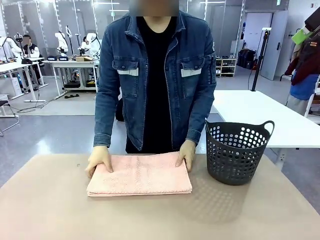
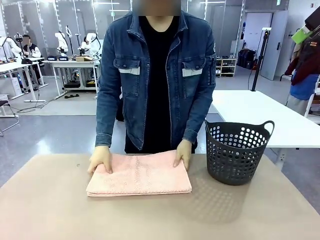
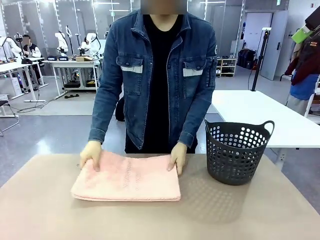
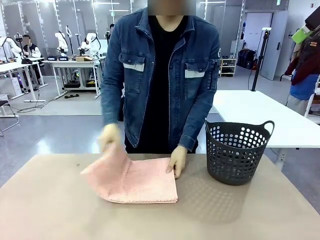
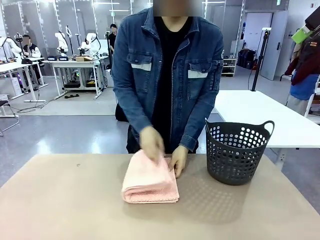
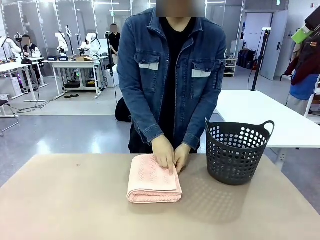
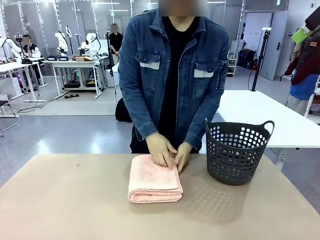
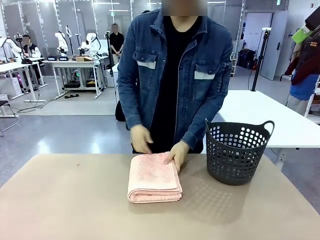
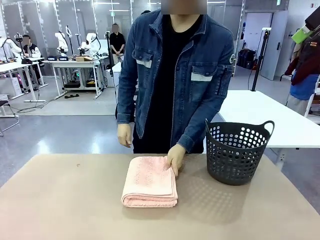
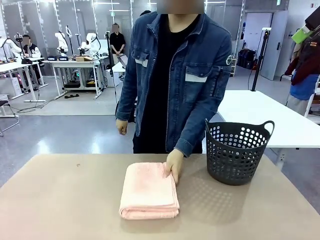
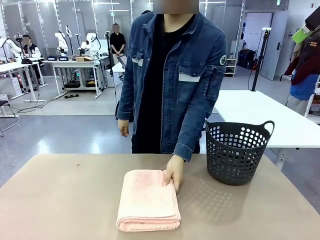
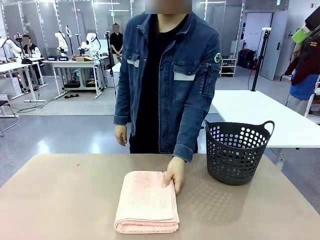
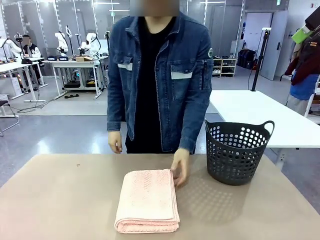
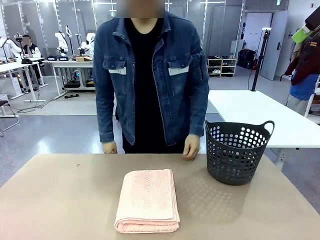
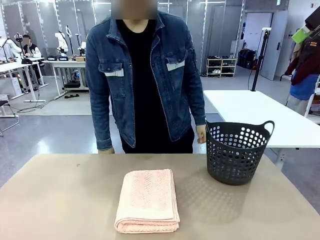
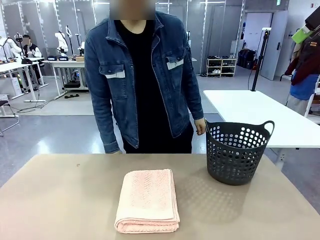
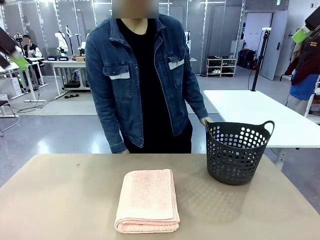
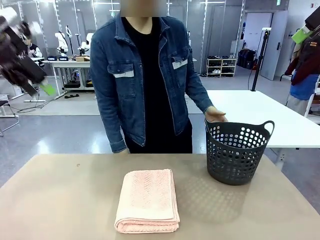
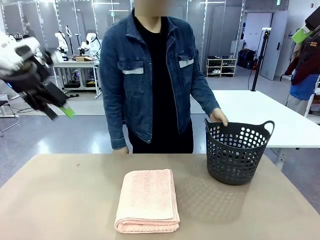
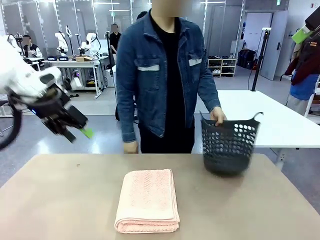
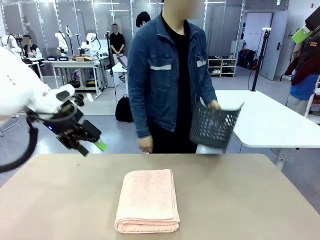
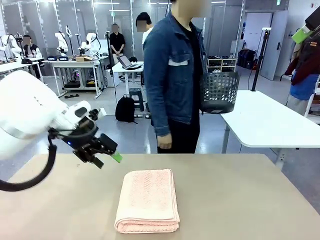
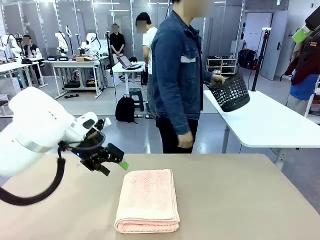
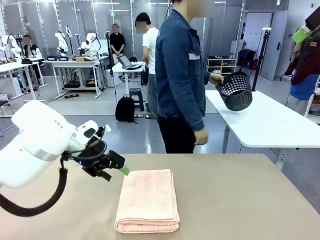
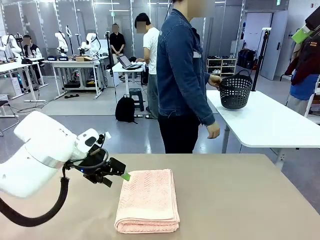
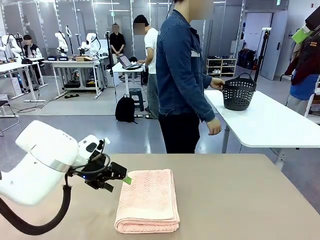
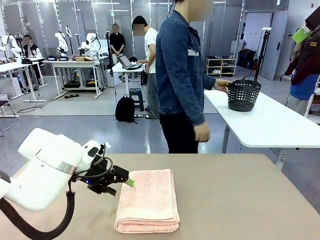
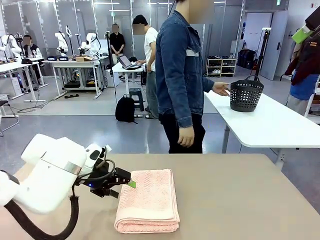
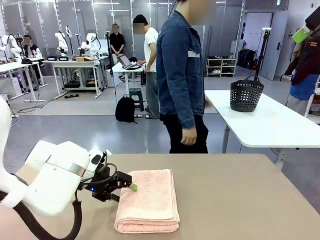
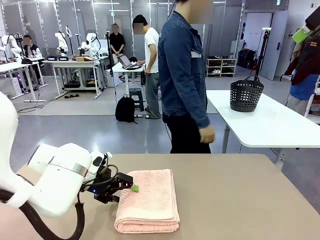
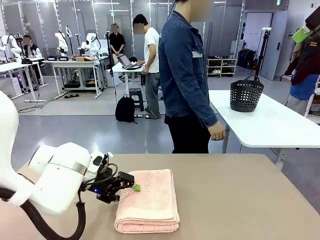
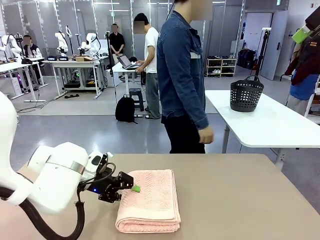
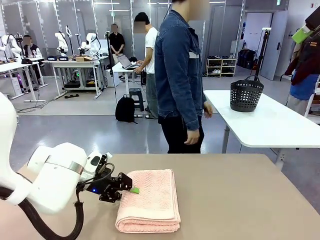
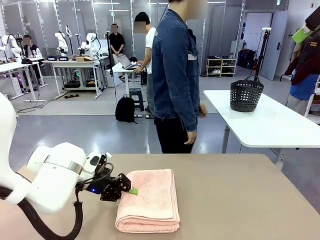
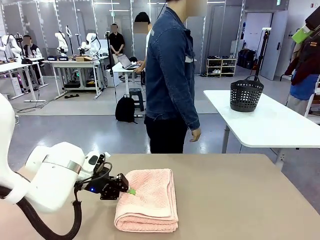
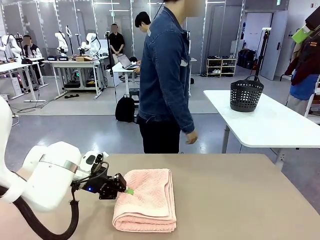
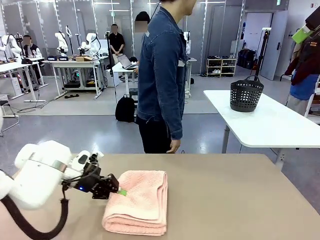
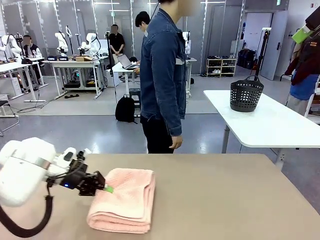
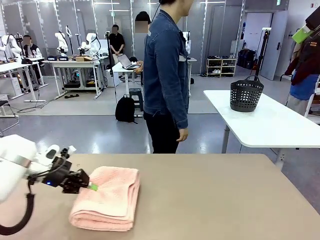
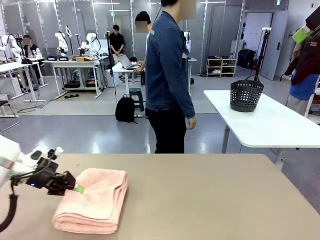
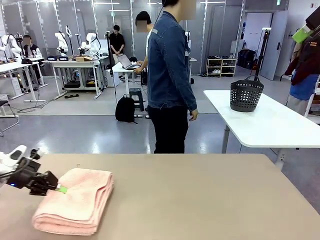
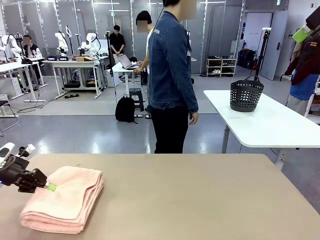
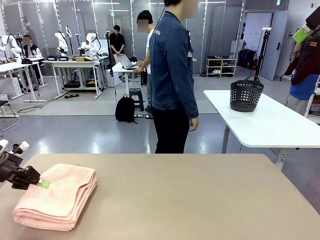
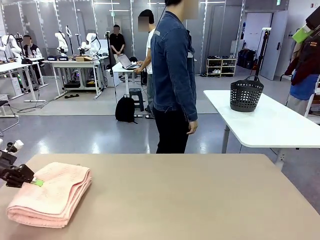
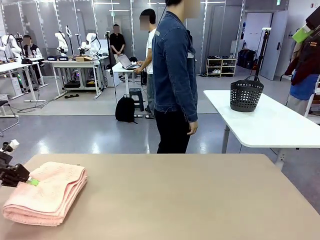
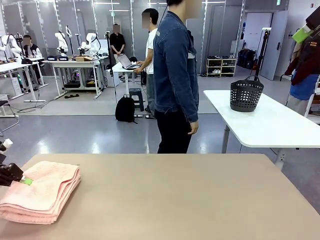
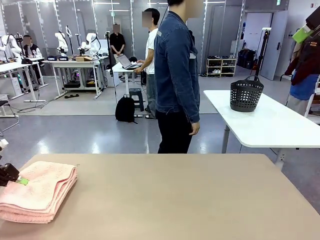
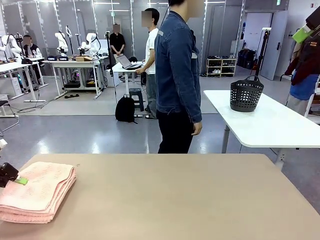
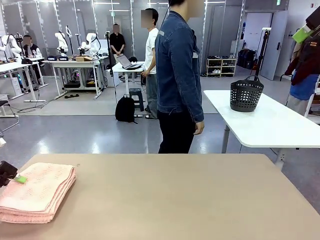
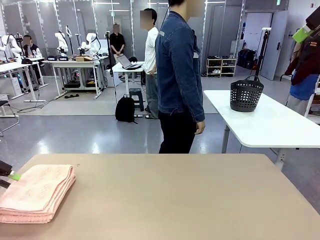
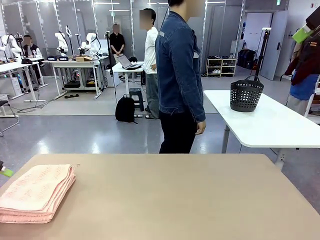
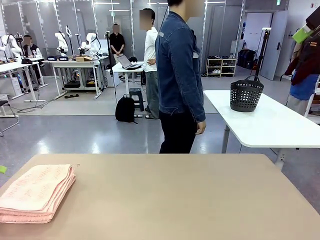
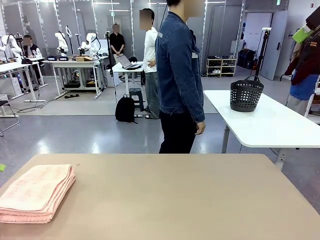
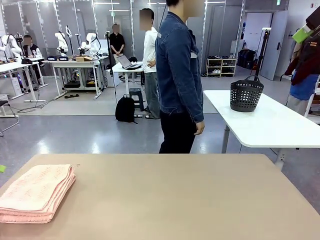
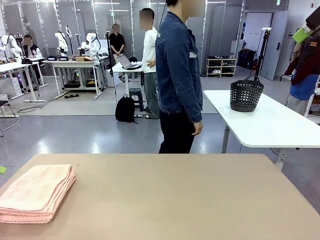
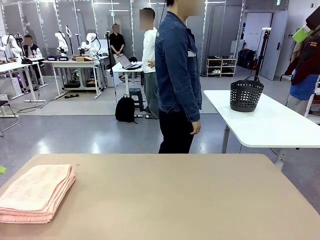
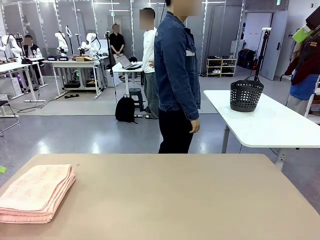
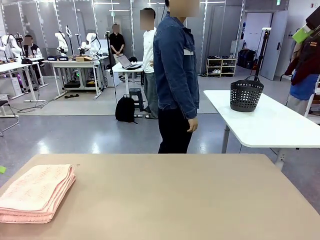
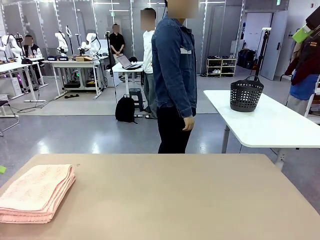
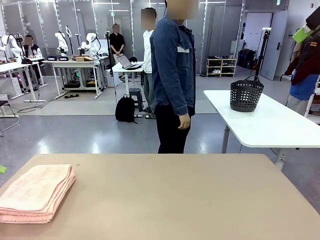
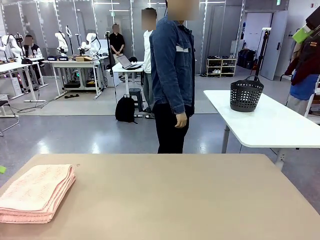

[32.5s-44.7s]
Task: Fold the towel.
Robot: Pick up the 100 cm Hotel Towel and place it on the left side of the table.
Person: Place the towel at the center of the robot table and fold it in half. Pick up the laundry basket and place it at the center of the human table.

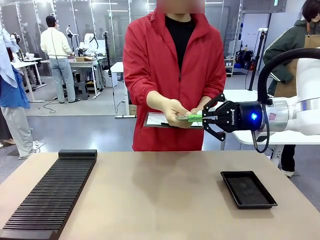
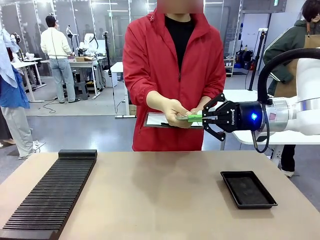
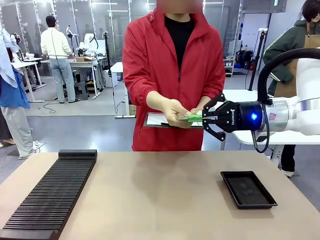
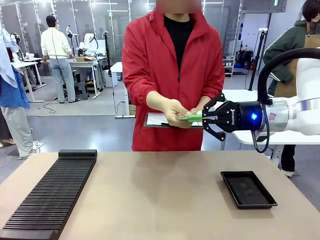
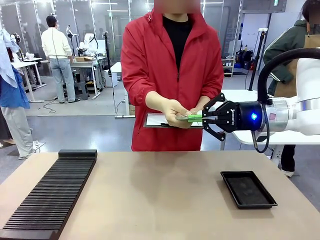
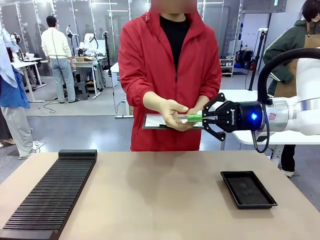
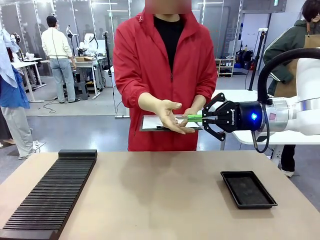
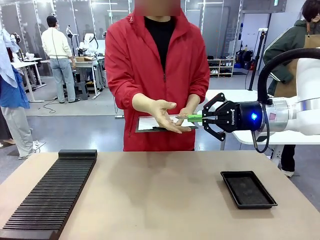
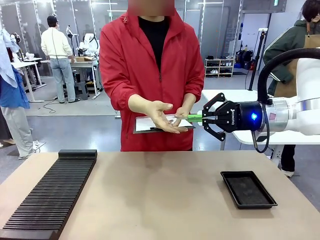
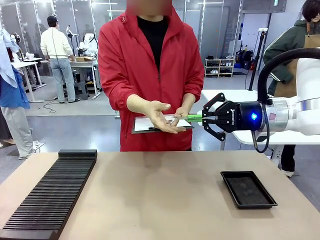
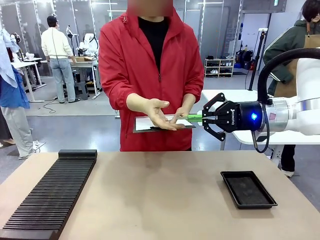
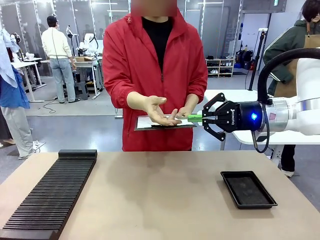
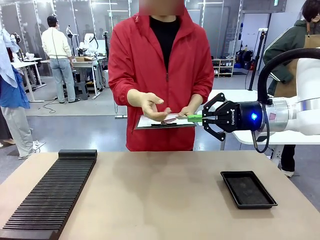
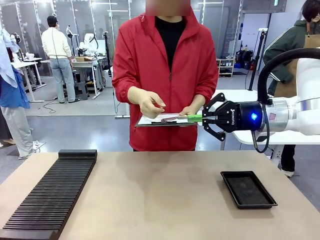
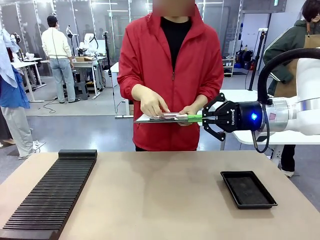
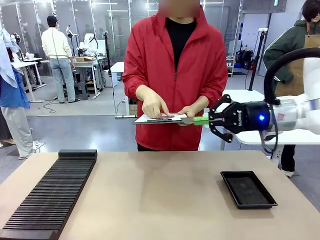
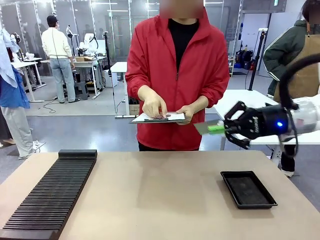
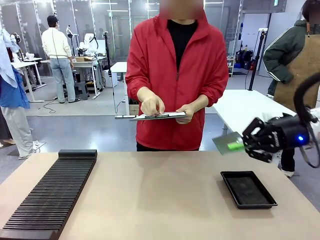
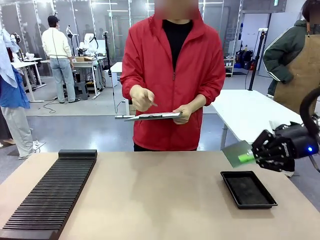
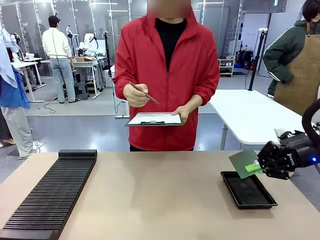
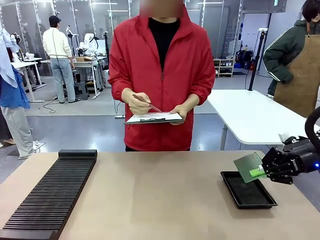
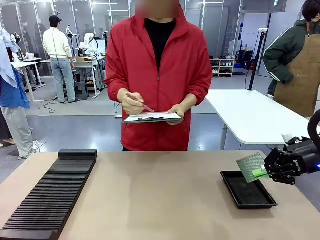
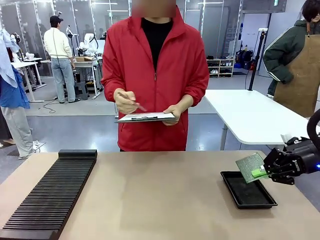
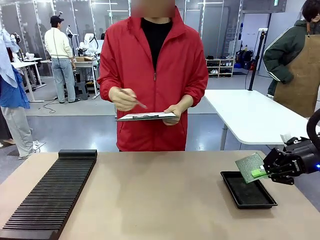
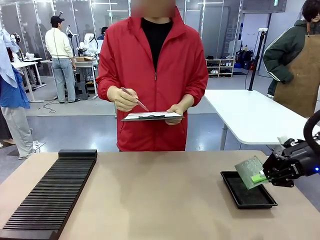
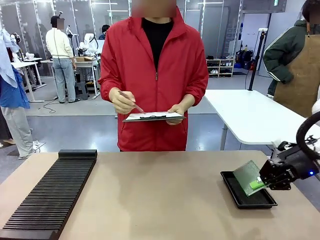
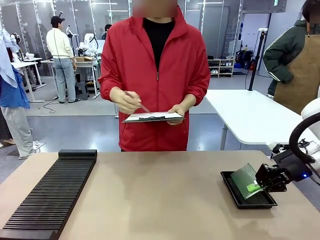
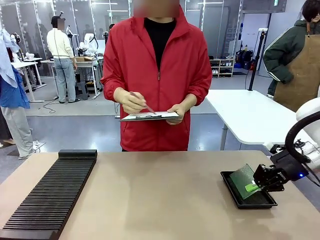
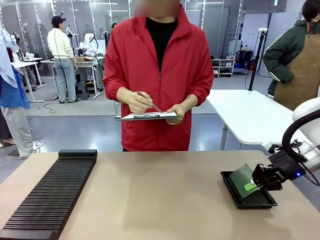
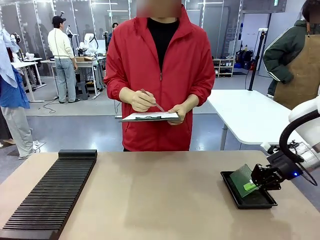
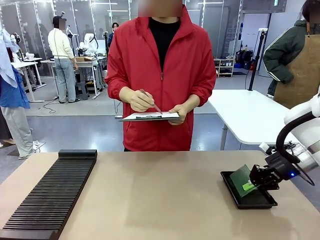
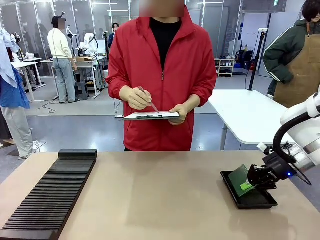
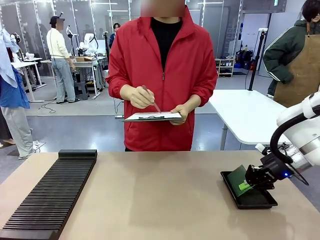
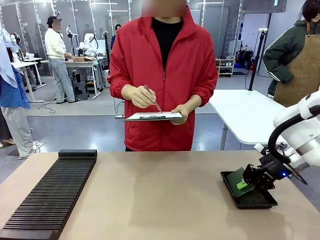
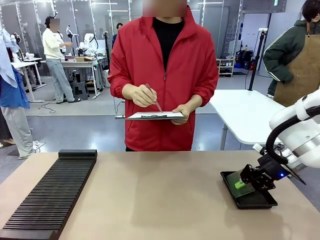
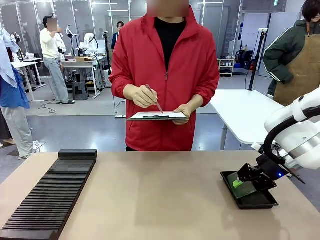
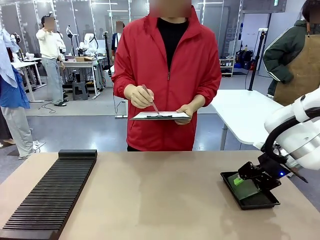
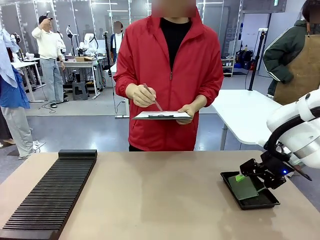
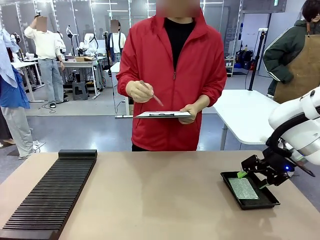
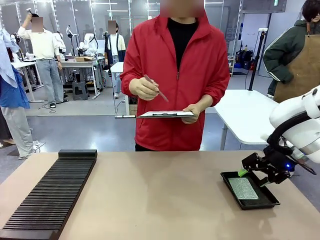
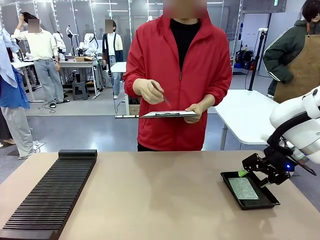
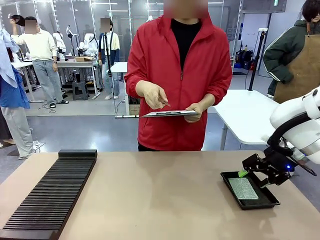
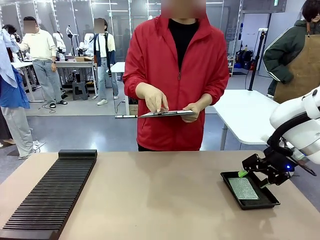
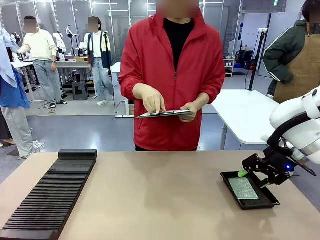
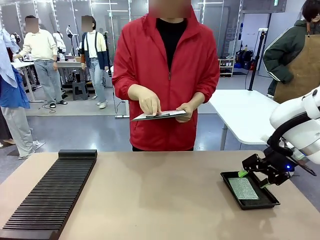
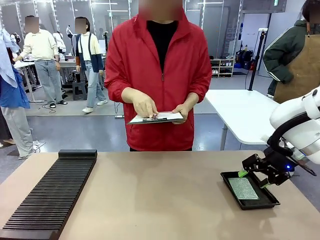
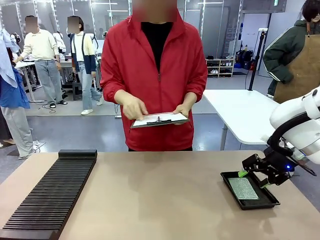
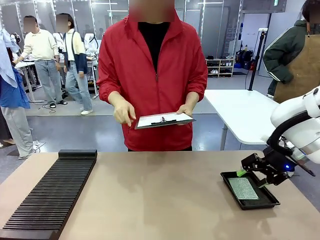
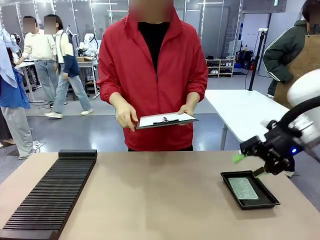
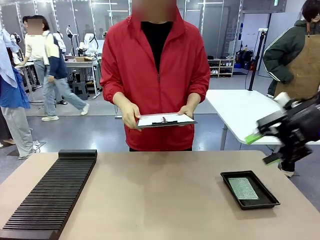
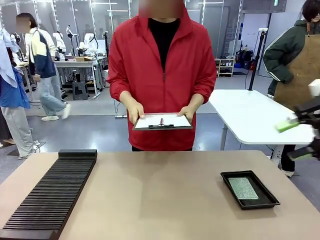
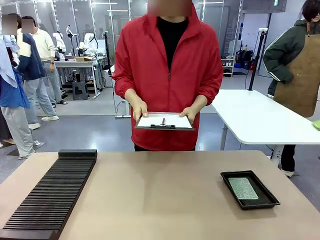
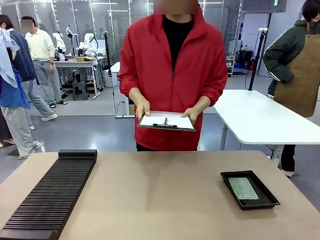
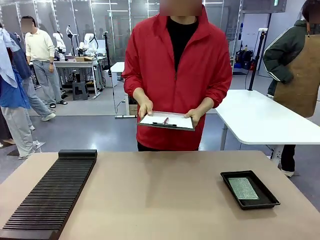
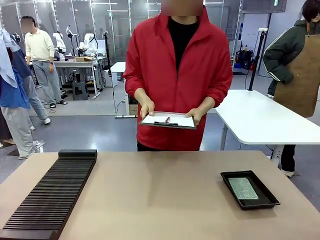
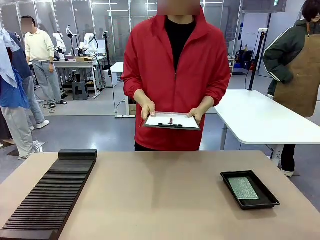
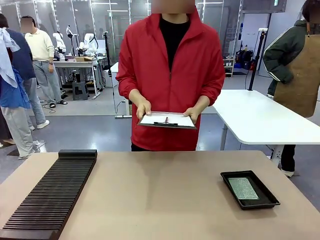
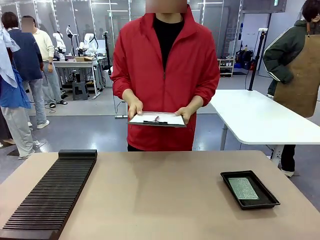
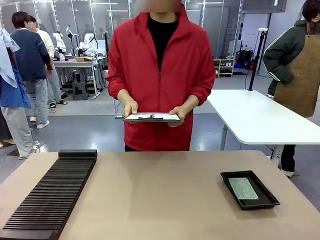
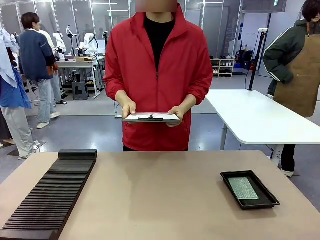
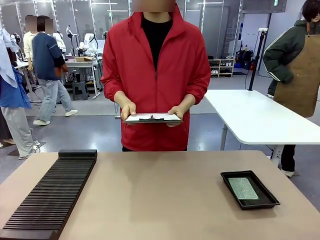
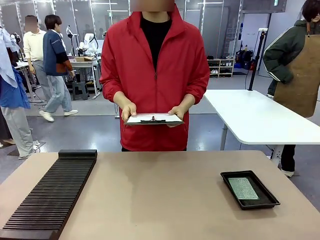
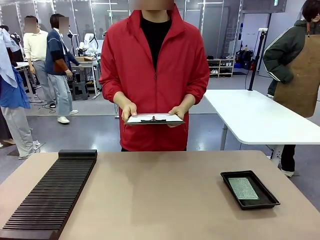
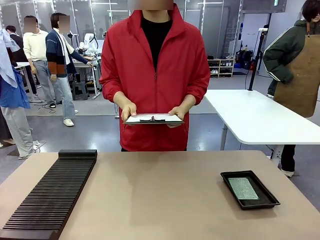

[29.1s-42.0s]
Task: Inspect the PCB.
Robot: Place the Blank PCB in the ESD tray.
Person: Record the PCB status on the paper.
